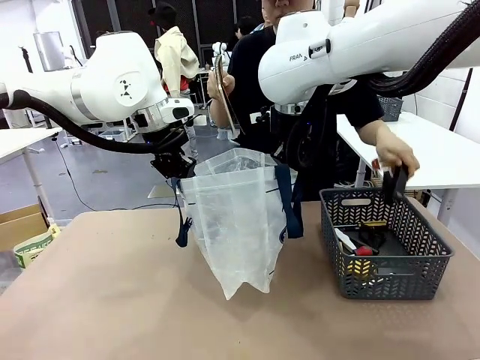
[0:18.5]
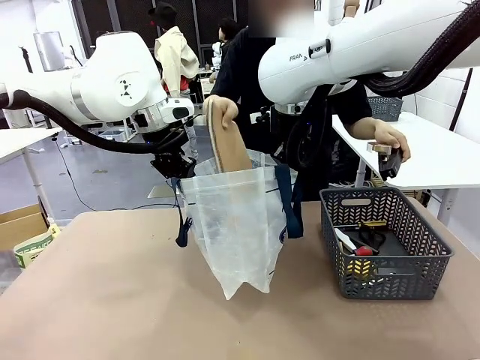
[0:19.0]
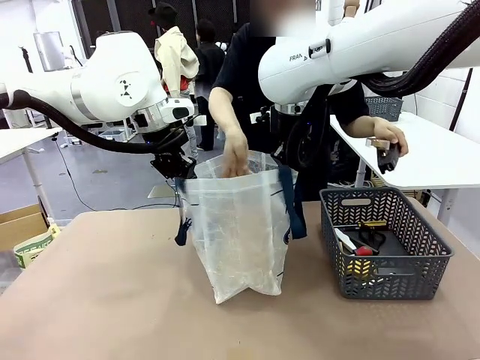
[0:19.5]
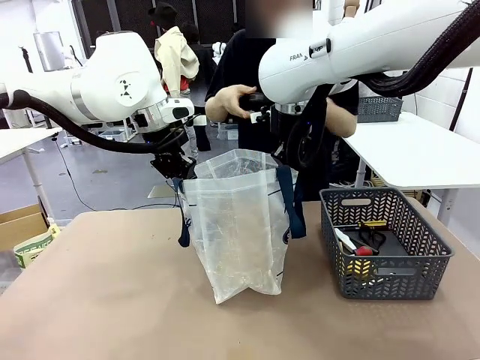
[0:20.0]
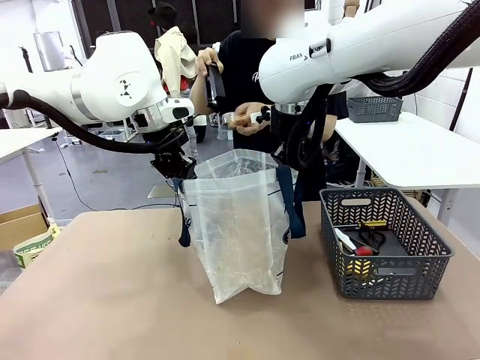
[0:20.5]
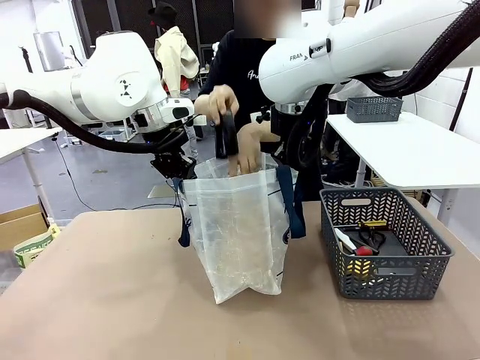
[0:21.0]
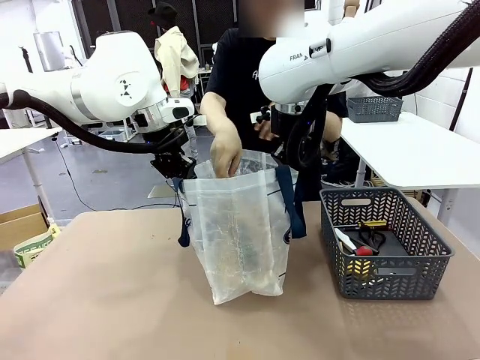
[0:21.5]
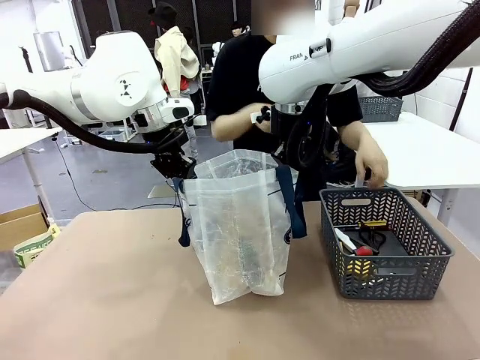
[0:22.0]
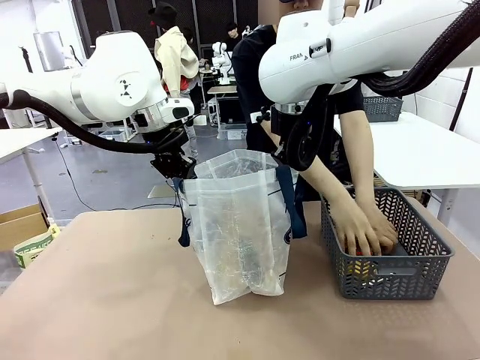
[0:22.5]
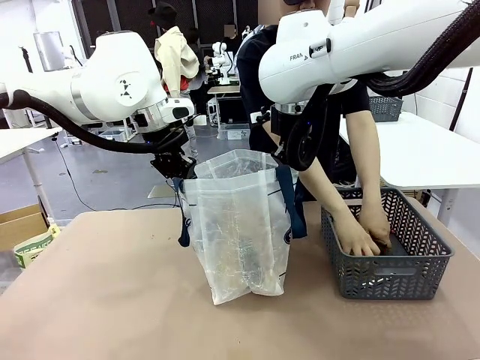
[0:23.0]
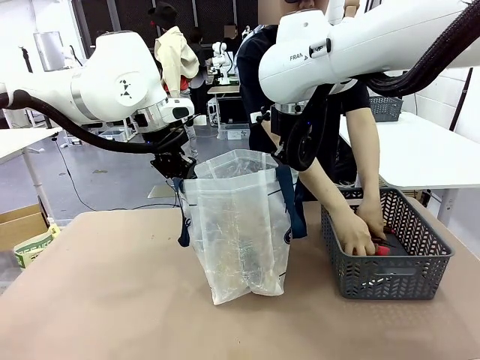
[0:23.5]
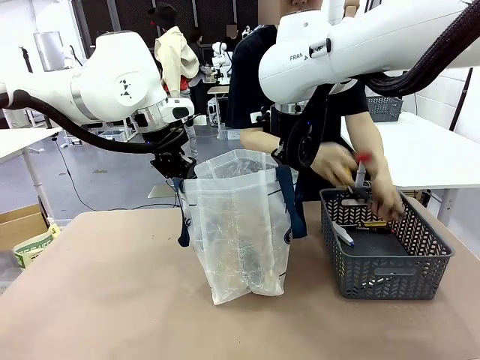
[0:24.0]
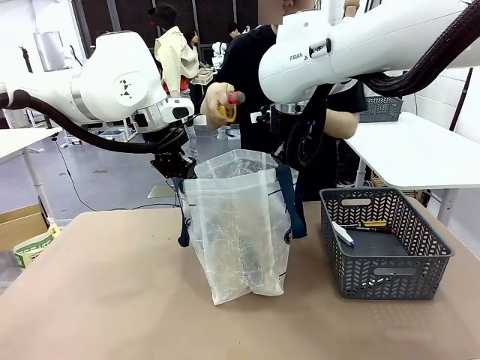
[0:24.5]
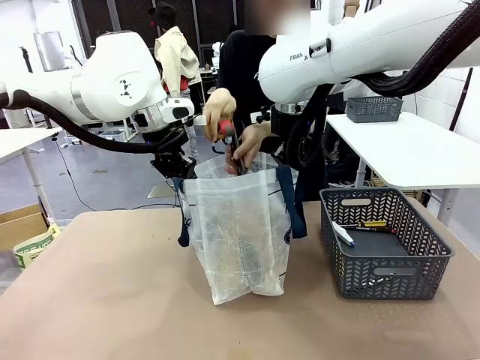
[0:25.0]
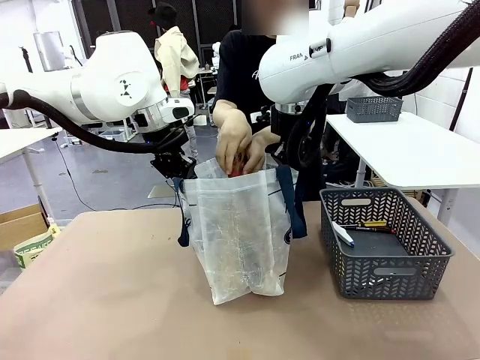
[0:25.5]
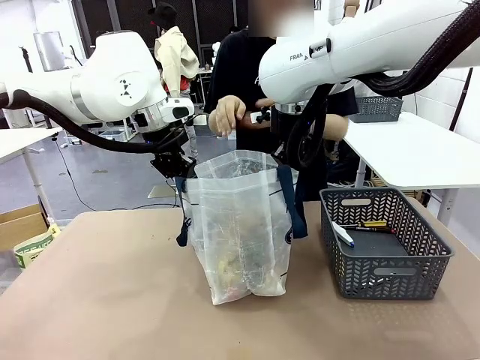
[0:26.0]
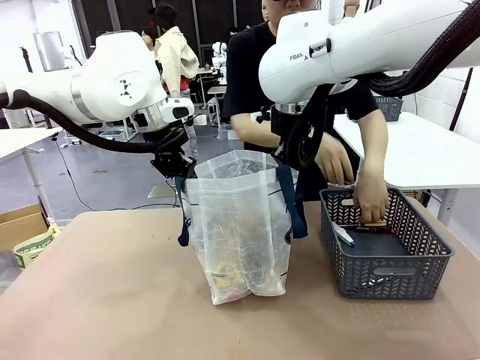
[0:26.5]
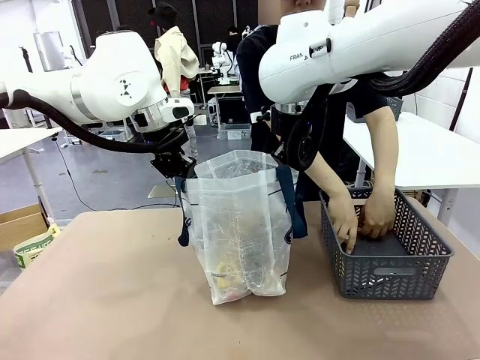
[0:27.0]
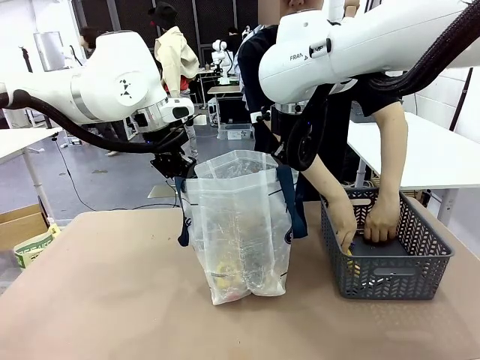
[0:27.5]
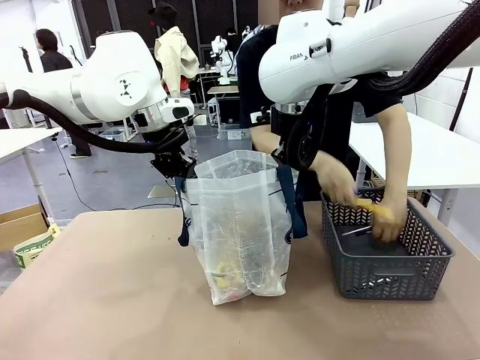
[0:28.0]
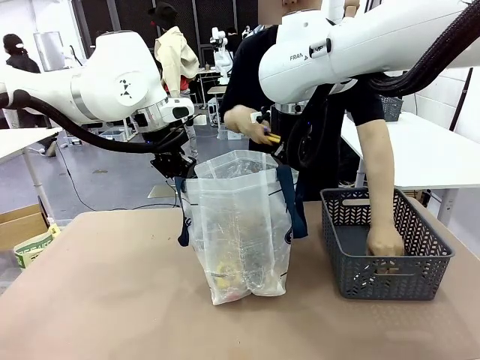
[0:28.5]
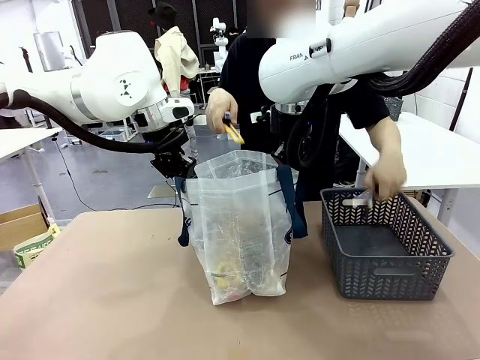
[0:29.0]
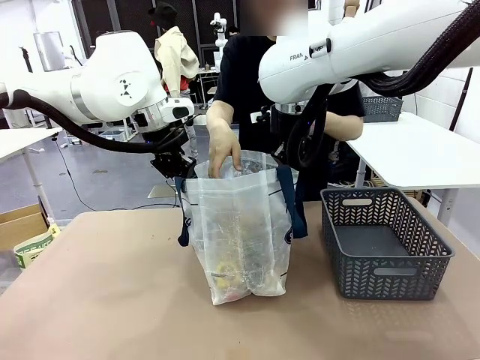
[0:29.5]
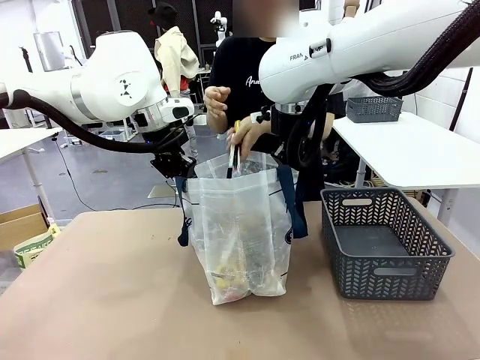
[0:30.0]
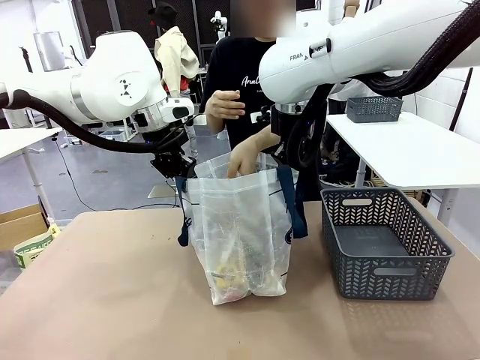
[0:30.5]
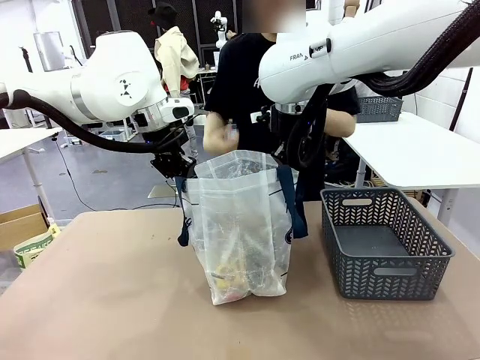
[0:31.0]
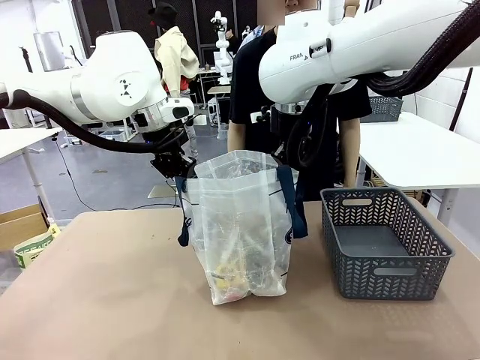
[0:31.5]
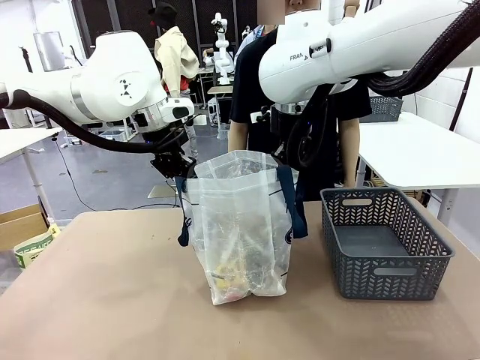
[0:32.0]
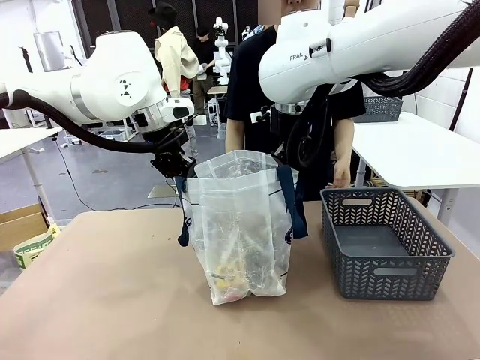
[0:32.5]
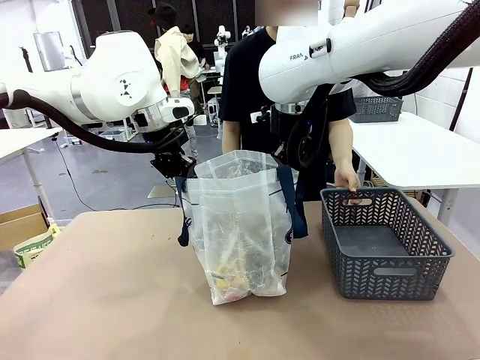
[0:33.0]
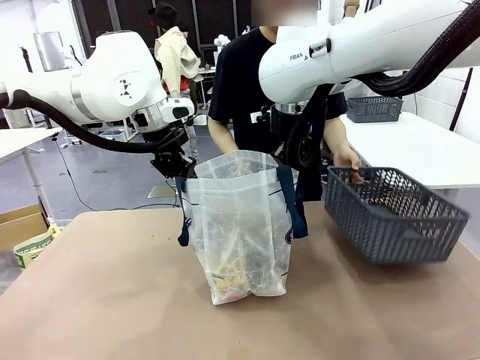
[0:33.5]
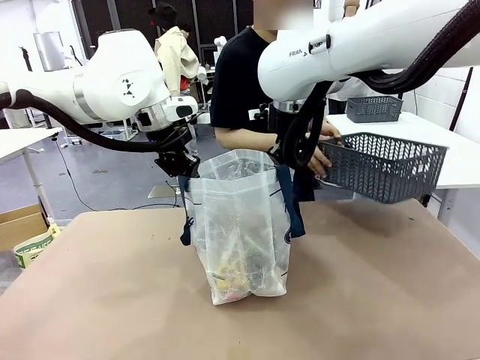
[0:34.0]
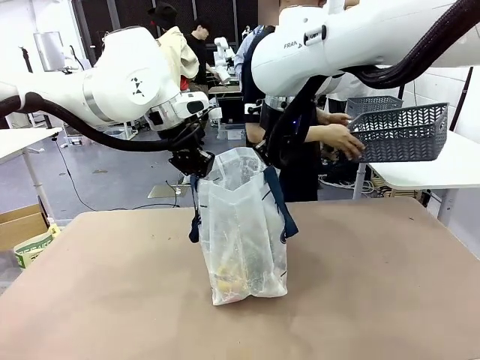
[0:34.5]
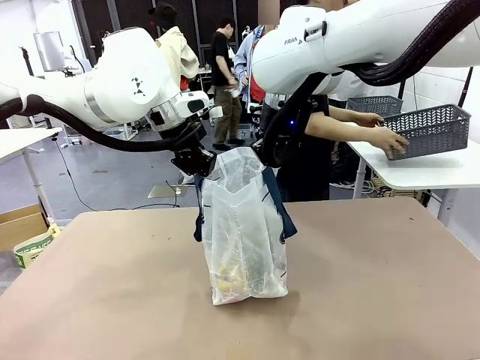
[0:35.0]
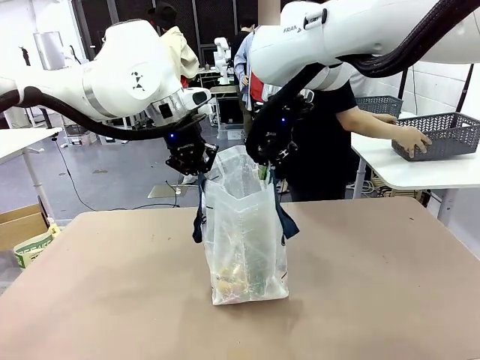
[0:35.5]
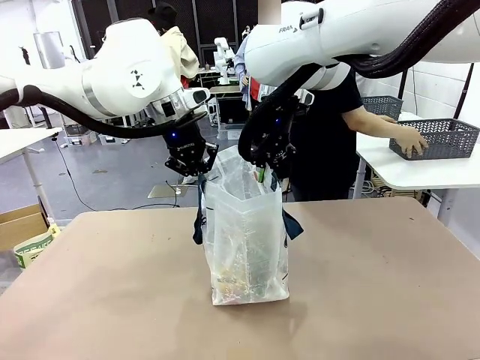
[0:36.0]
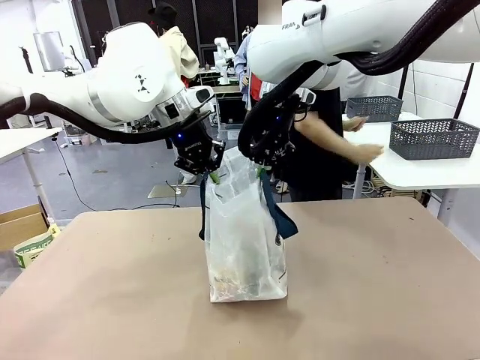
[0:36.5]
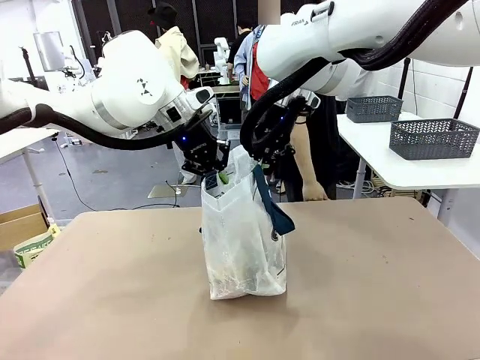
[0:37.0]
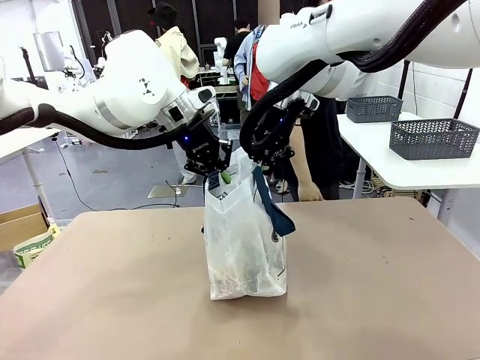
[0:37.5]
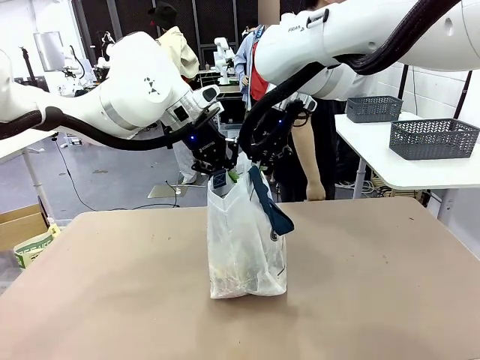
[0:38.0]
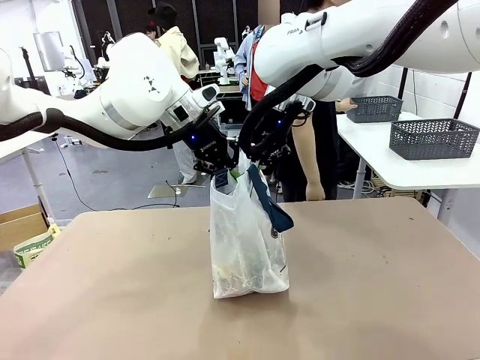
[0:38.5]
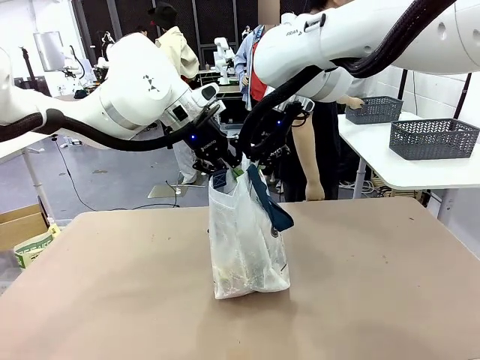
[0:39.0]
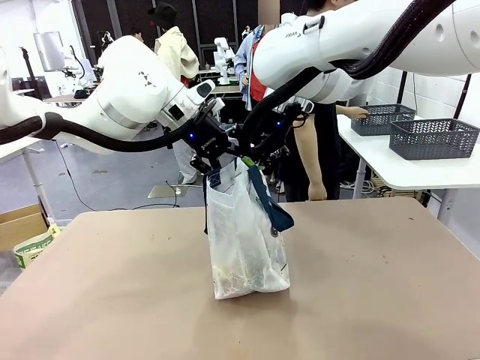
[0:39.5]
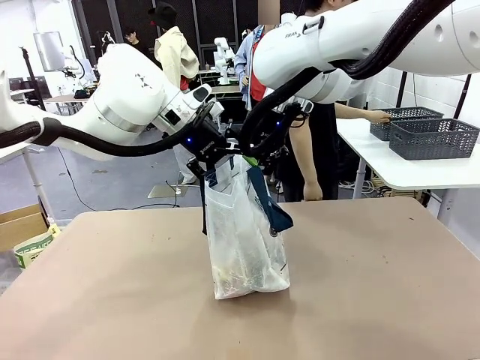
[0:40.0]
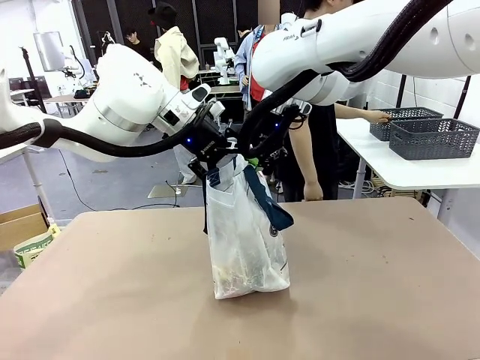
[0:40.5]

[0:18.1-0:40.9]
Task: Transfer purchased items from the store into the shopping bag.
Robot: Move the Reusable shopping bag to the right side of the table.
Person: Pick up the basket on the right, place it on the left side of the robot table, and move the items in the basket to the shopping bag. Pick up the basket with the items out and place it on the right side of the human table.
